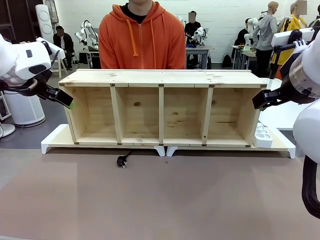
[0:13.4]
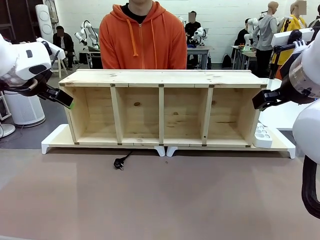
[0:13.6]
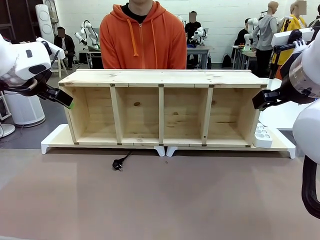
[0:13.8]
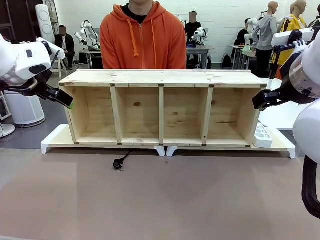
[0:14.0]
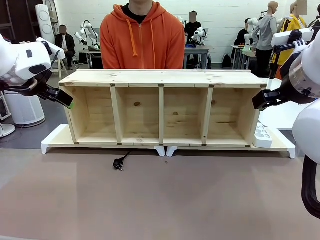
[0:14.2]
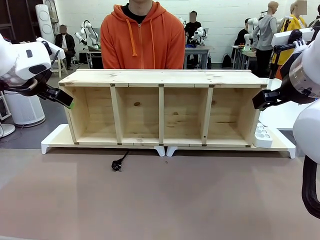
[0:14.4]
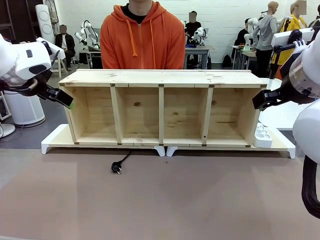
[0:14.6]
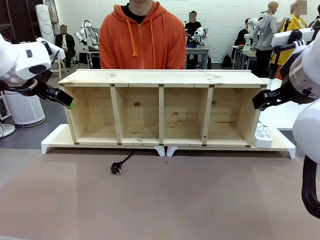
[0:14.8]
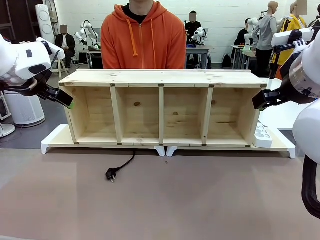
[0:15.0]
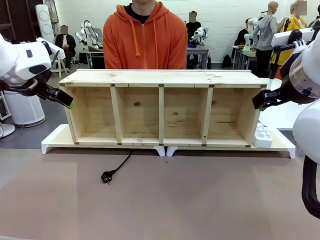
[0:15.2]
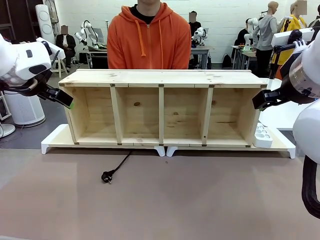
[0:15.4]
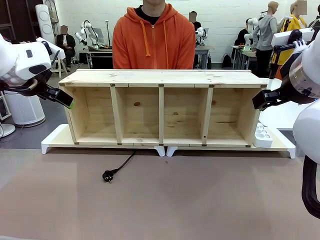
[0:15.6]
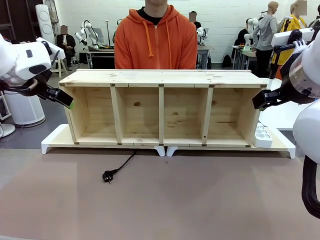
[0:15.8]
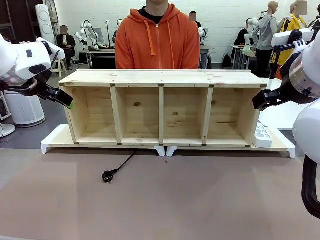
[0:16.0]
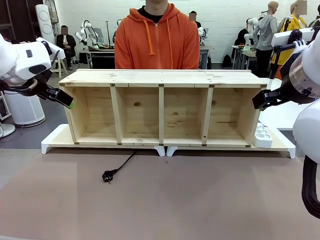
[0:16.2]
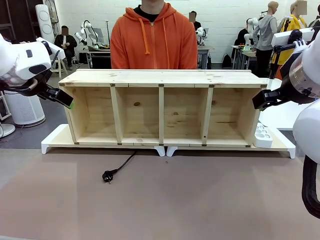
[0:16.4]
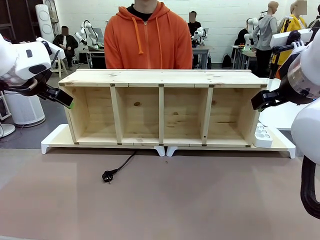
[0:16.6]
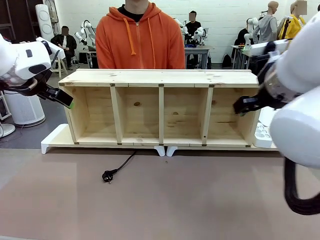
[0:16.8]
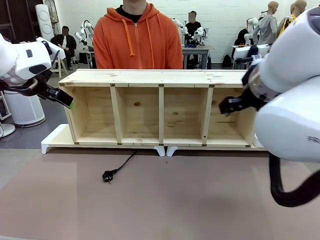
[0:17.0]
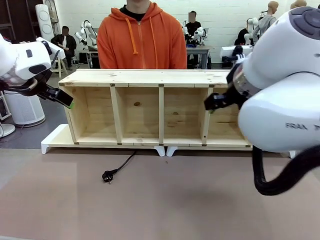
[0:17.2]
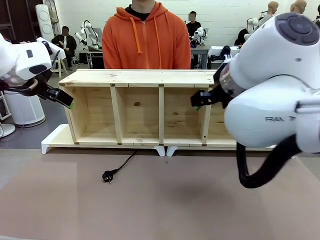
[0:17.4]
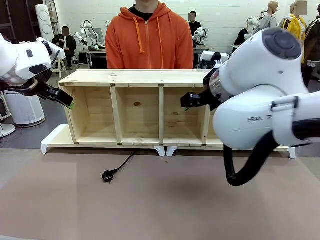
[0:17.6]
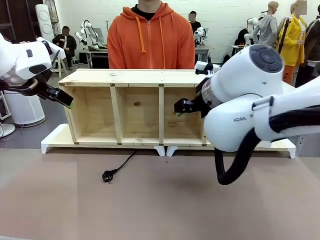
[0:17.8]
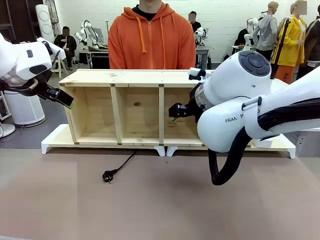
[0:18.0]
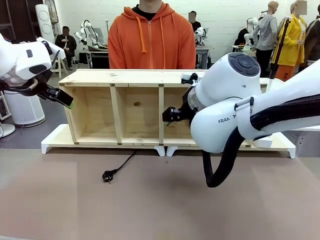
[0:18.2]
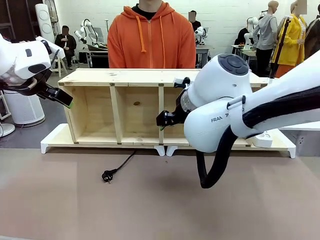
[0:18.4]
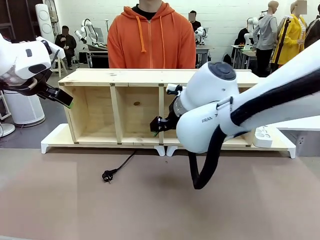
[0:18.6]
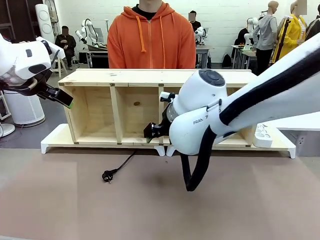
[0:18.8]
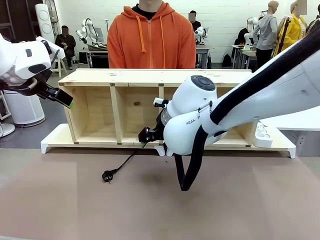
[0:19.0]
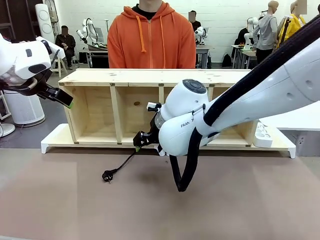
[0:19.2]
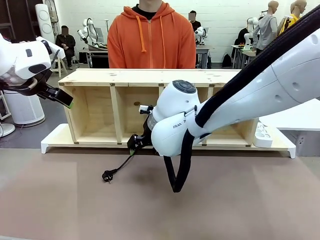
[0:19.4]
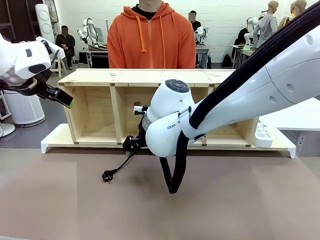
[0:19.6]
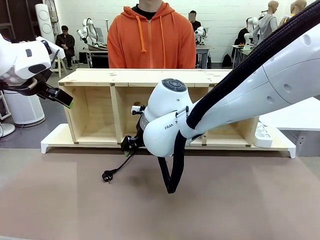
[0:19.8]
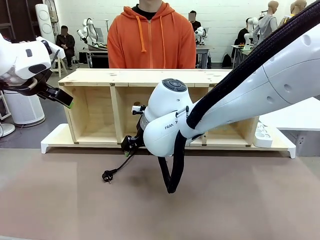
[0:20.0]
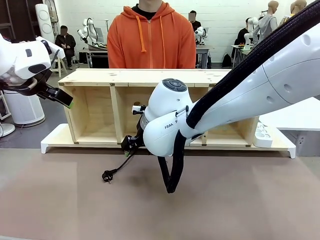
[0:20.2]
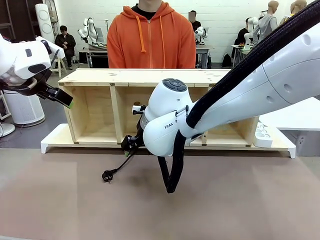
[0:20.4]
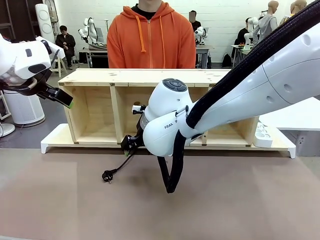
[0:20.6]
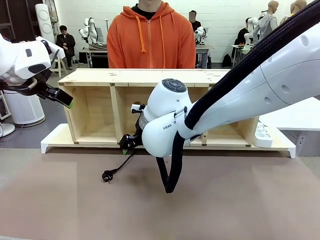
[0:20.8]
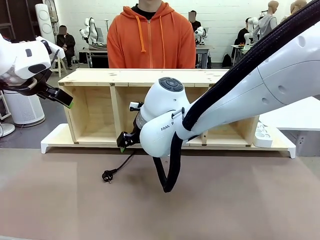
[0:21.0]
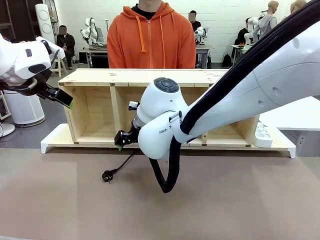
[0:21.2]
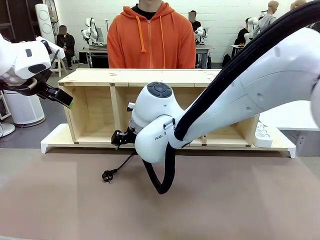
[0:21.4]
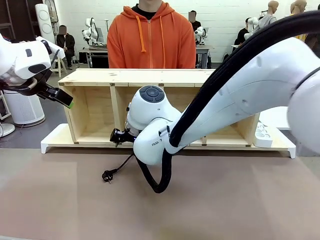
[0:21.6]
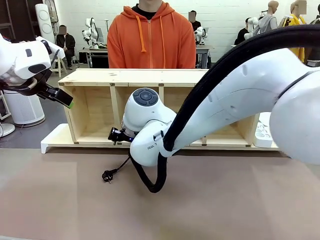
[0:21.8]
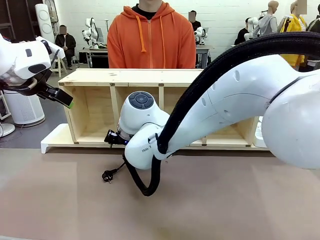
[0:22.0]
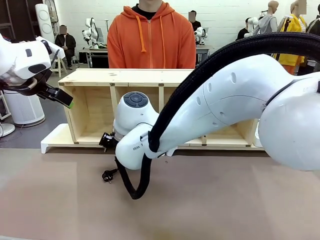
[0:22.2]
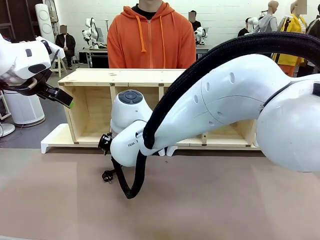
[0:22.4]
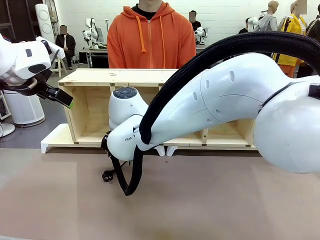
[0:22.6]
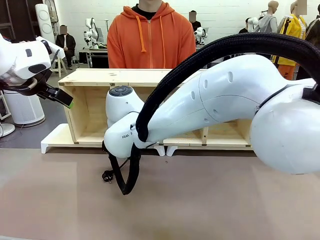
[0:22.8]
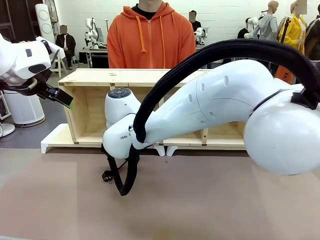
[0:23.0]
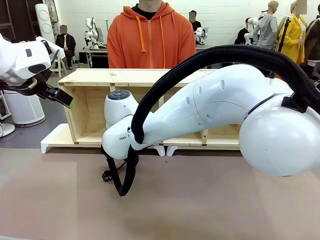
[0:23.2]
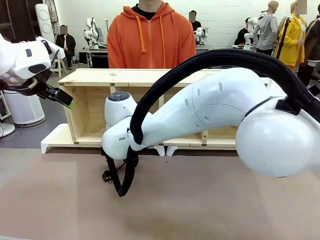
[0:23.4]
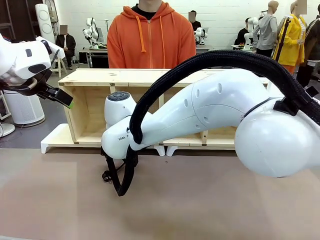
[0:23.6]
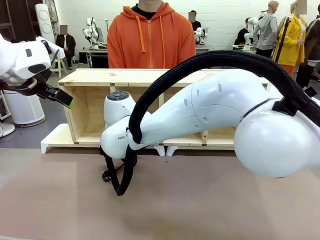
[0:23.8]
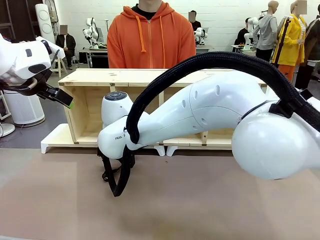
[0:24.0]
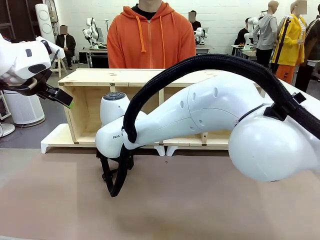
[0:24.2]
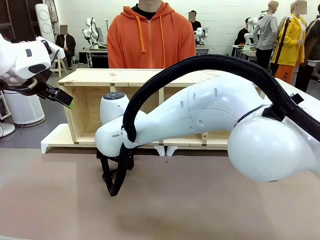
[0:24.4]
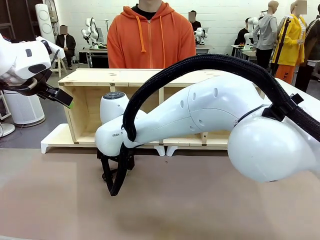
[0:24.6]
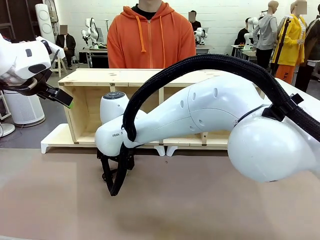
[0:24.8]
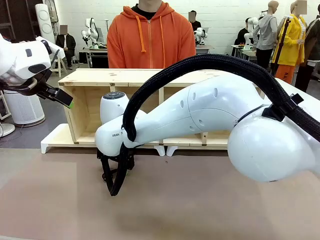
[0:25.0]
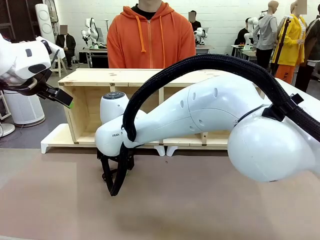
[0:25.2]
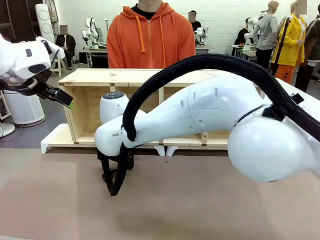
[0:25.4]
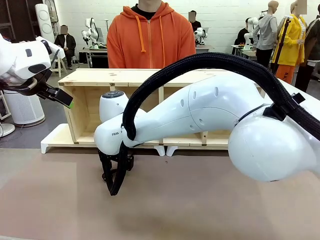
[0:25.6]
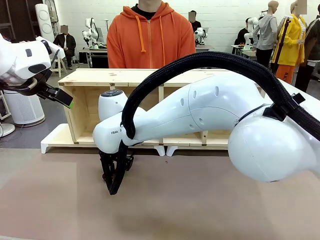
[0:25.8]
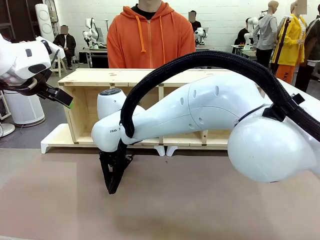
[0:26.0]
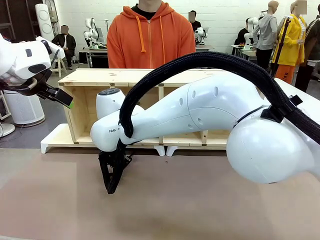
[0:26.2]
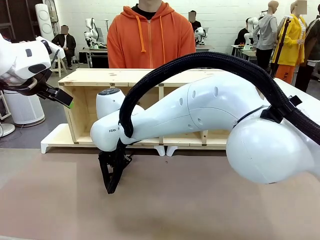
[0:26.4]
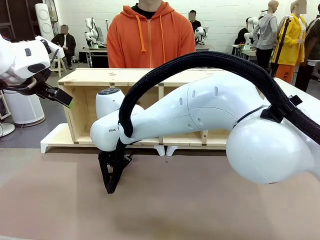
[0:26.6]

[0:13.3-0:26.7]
Task: Perform cable management.
Robot: When the cord part of the Power Cable appears at the lower middle area of the table and stops, grasp the cord part of the Power Cable.

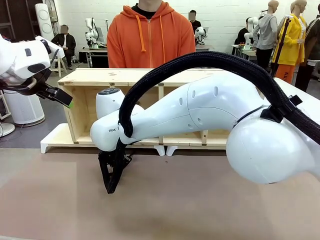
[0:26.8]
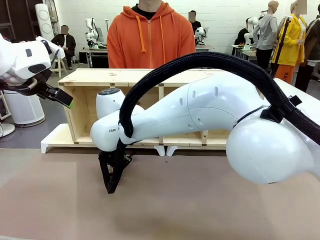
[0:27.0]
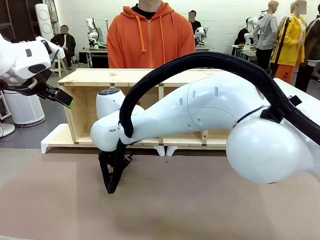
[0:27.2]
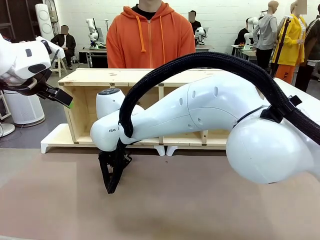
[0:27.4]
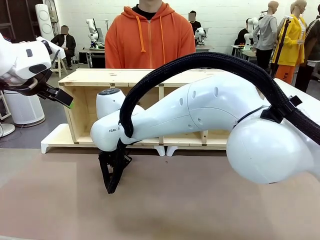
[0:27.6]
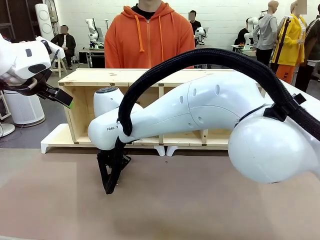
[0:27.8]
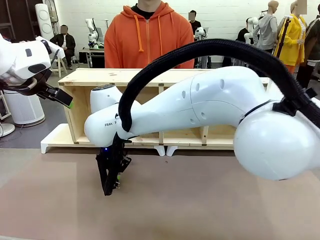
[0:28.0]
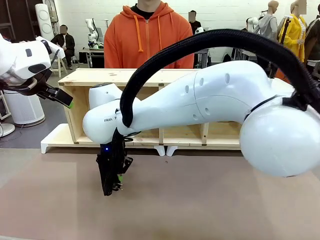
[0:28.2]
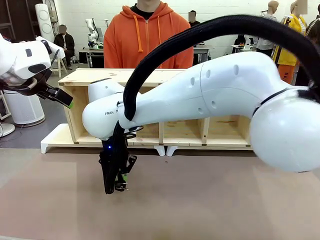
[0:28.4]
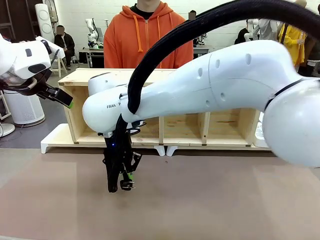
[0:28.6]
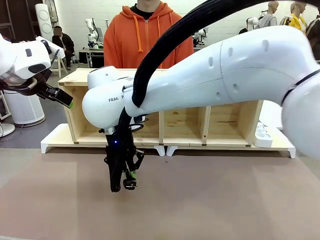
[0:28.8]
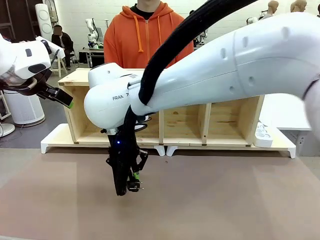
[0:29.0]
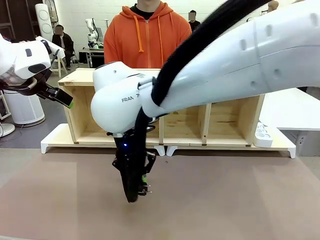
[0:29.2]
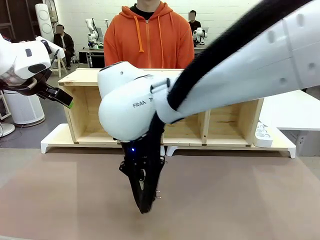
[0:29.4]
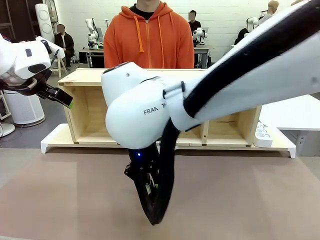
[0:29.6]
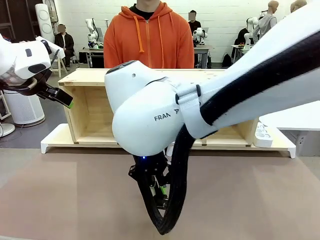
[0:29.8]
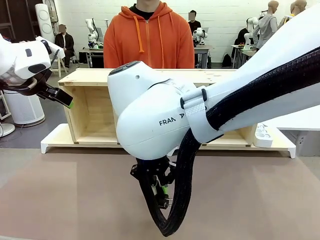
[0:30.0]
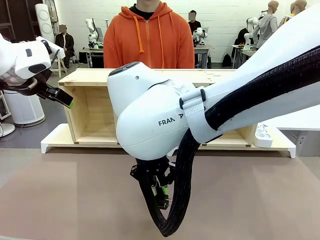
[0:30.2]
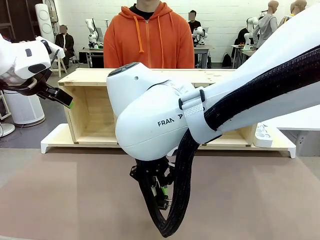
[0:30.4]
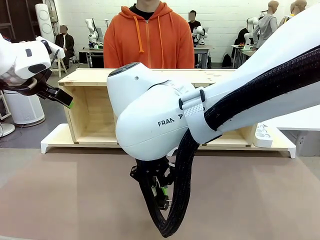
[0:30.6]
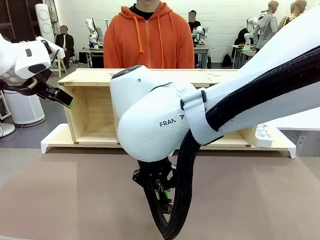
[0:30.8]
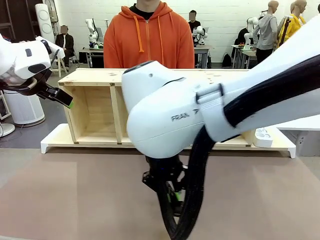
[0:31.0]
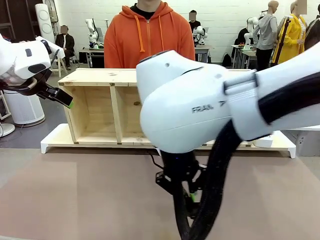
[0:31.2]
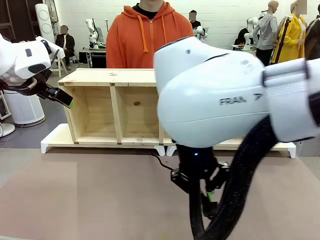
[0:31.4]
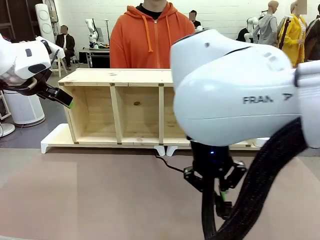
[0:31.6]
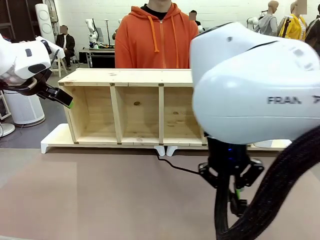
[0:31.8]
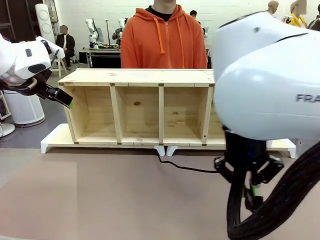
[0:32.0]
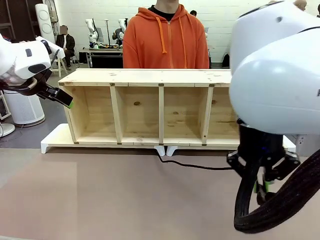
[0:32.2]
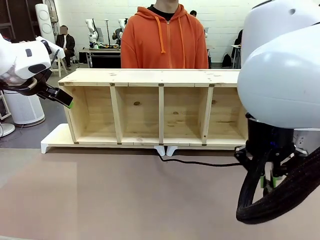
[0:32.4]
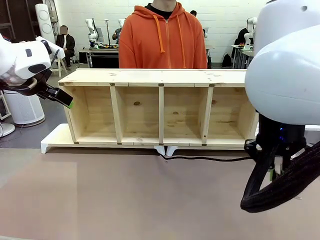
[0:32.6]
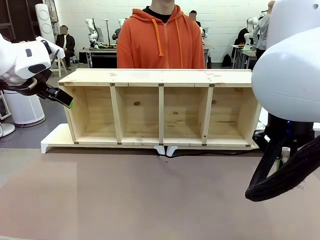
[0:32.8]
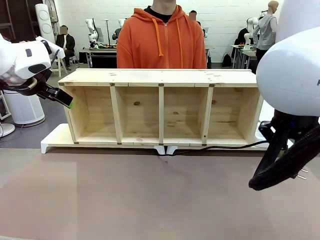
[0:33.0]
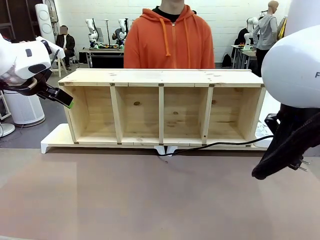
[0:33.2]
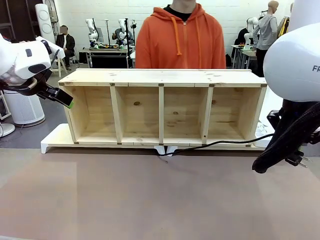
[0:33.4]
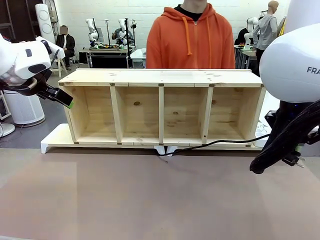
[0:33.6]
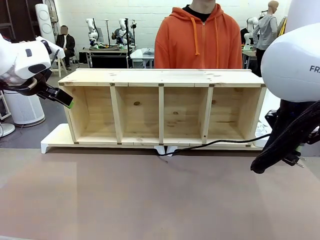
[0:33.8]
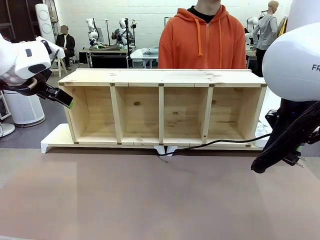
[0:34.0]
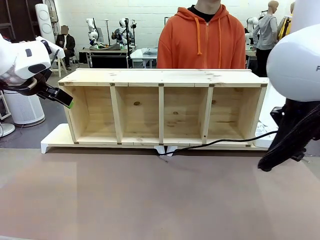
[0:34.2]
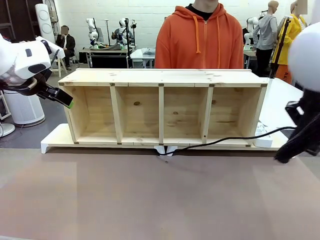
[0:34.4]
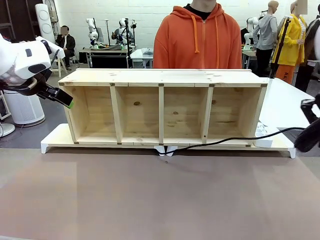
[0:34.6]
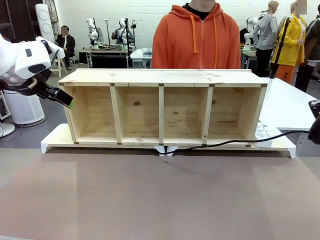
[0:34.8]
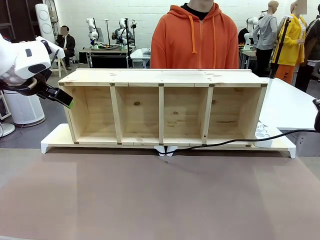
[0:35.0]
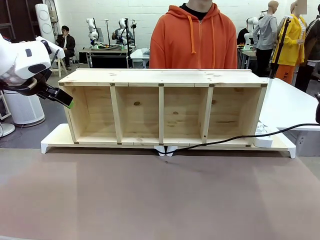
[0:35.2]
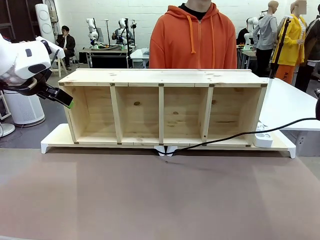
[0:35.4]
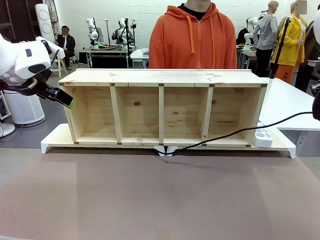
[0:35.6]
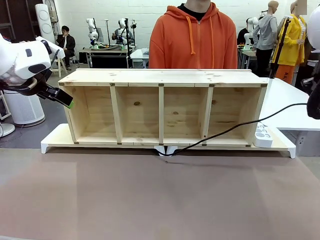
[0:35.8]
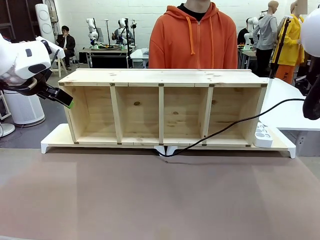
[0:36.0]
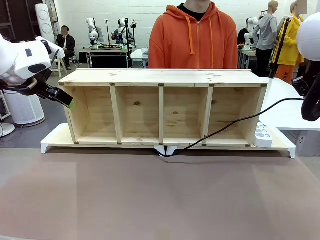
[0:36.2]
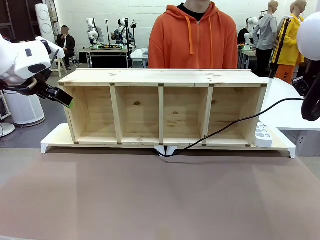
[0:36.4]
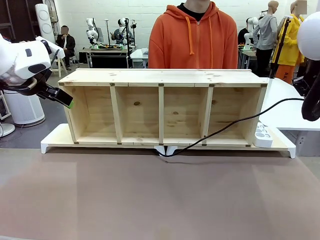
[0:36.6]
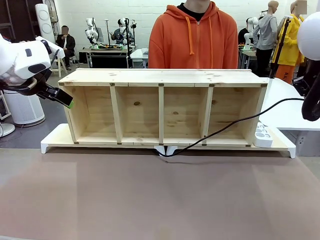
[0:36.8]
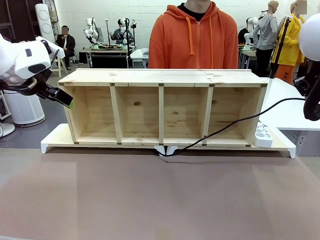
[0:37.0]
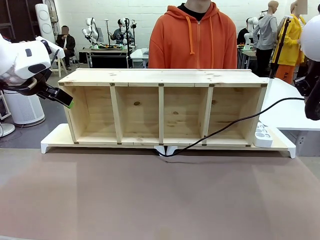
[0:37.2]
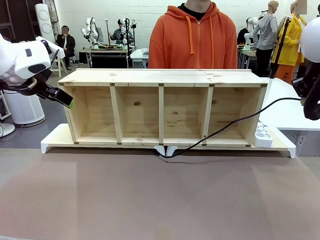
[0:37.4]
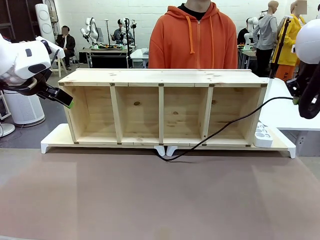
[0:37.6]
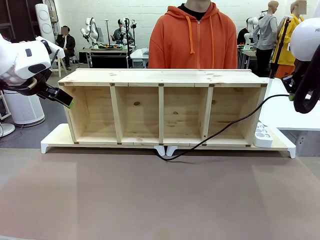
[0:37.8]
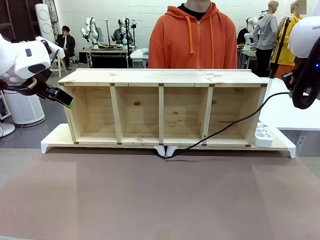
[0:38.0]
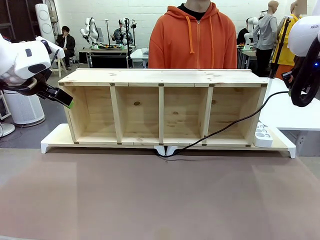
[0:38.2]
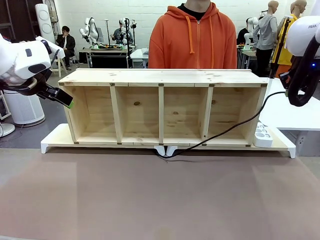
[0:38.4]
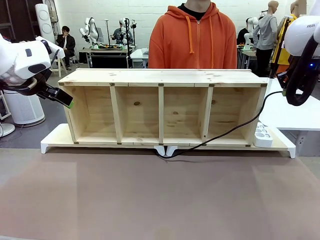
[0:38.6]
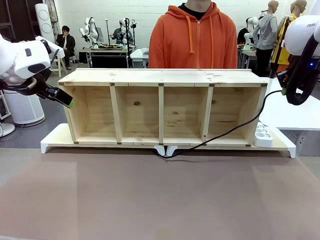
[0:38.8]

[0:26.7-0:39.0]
Robot: Pull the grasped Power Cable to the location of the Power Strip.
